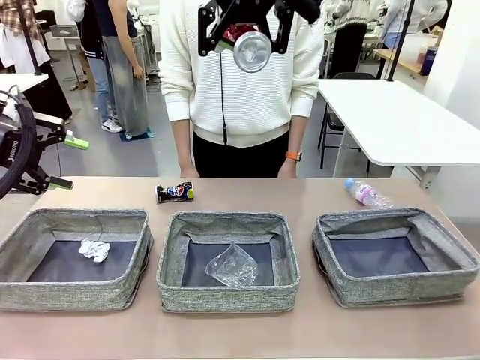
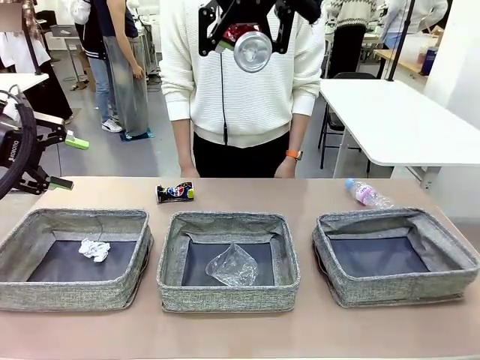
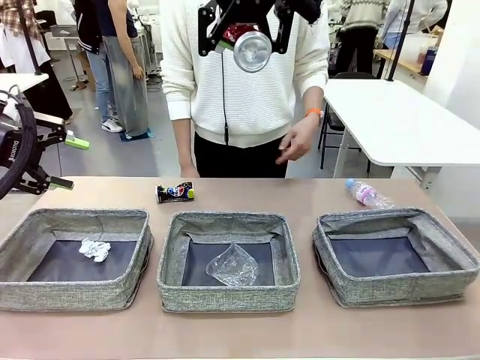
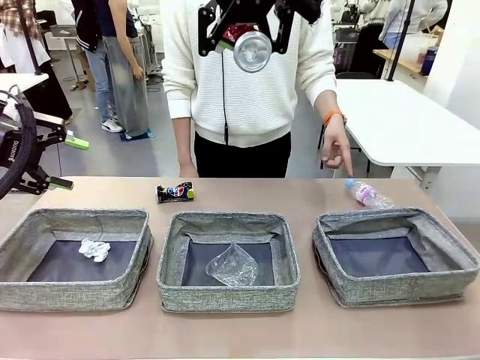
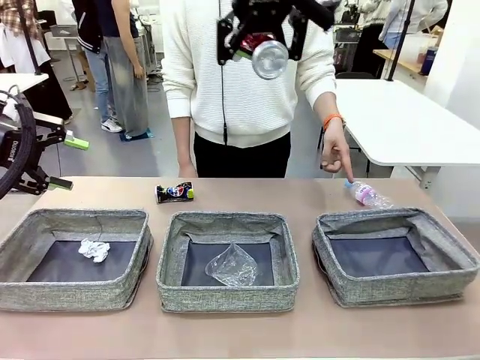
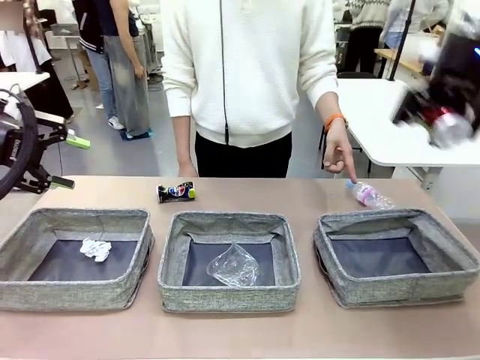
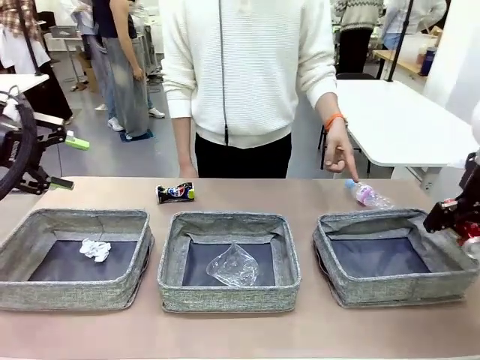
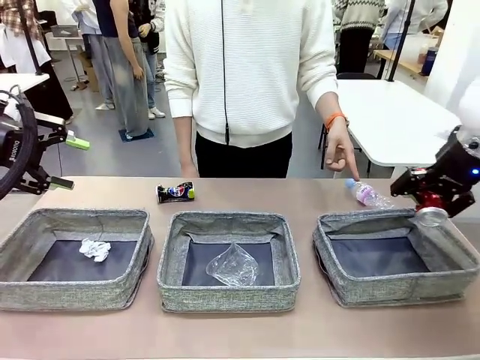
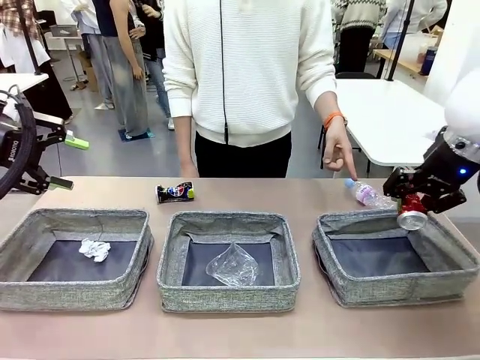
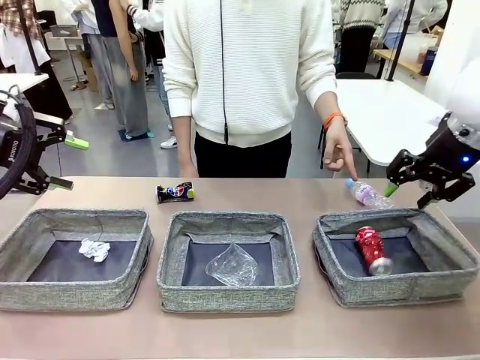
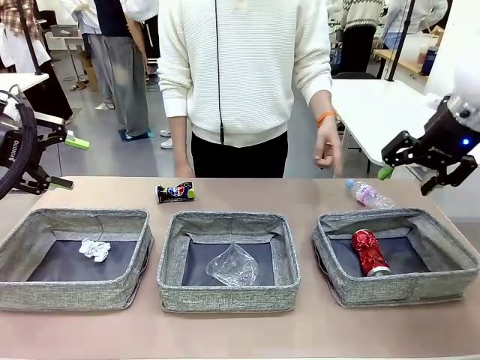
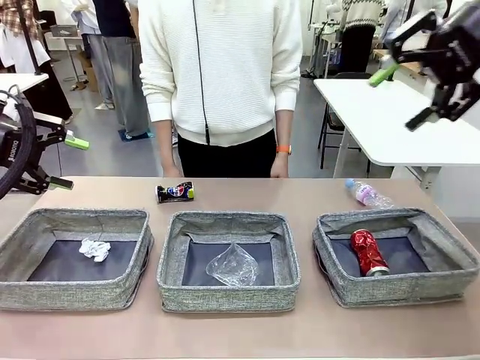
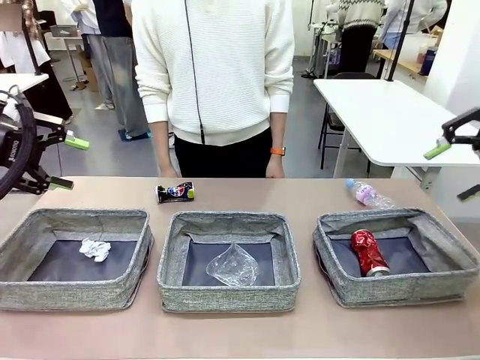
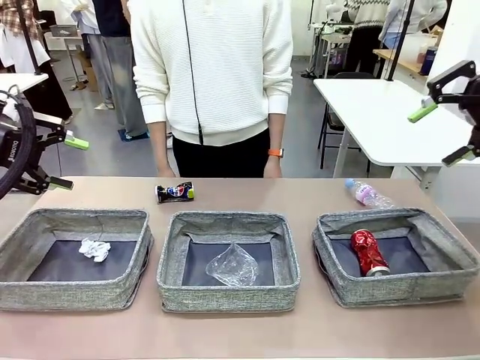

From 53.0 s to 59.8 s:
Task: Sort the waste into the appropriate baskets.
Robot: Place the picked waste into the Fabric basket indicated by the person.
Person: Instructs the robot to place the picked-up trash into the appropriate organizing basket.

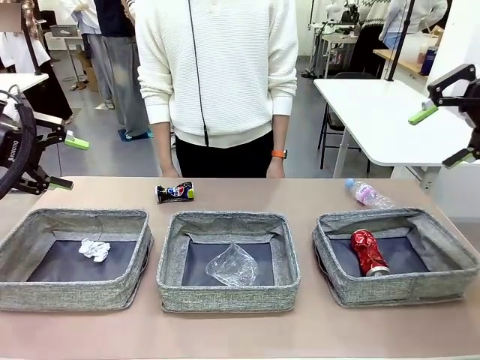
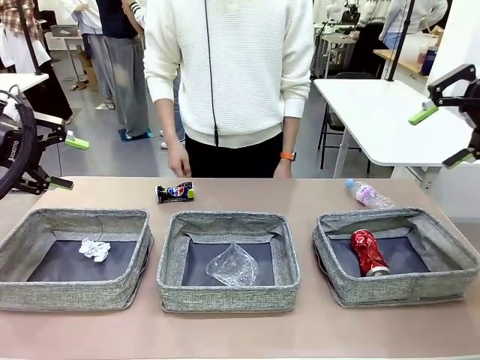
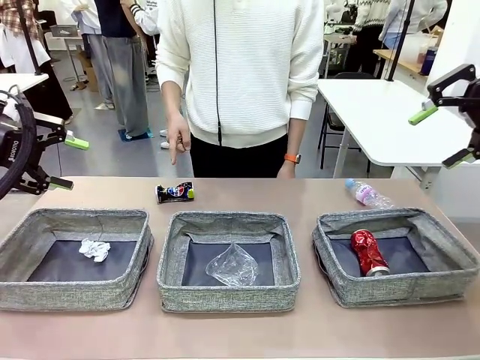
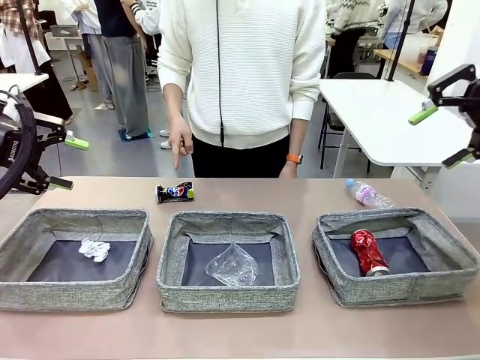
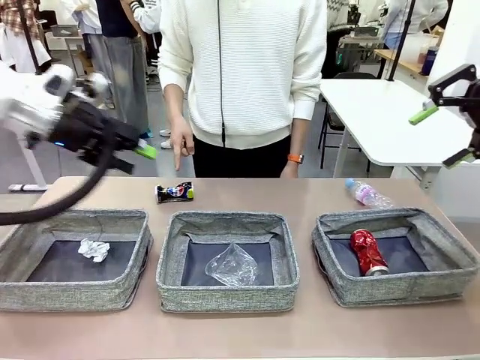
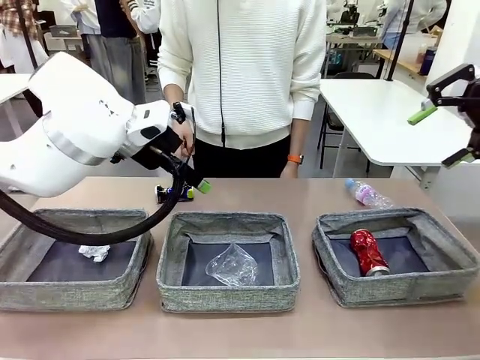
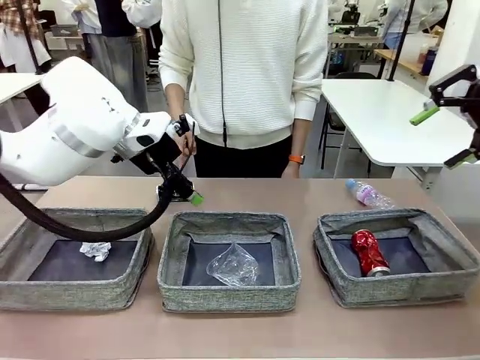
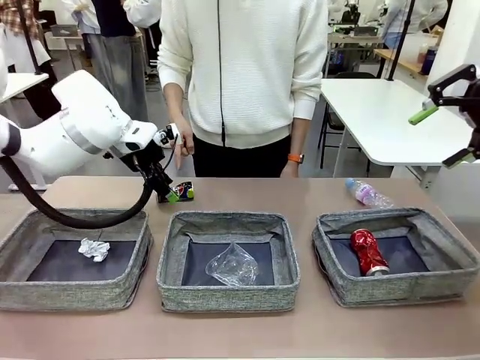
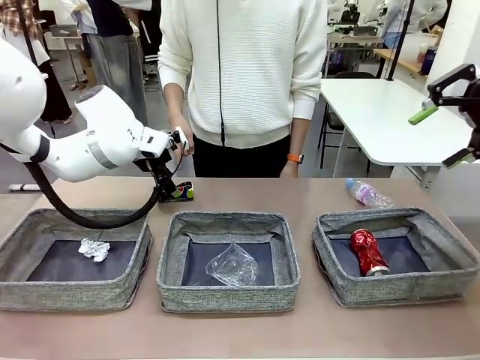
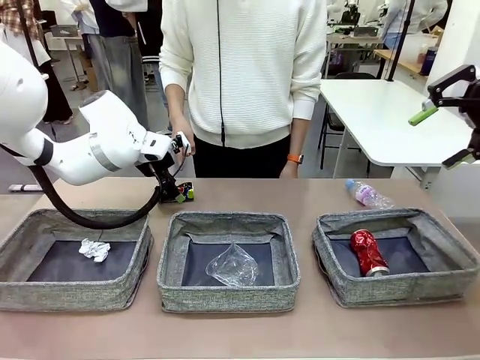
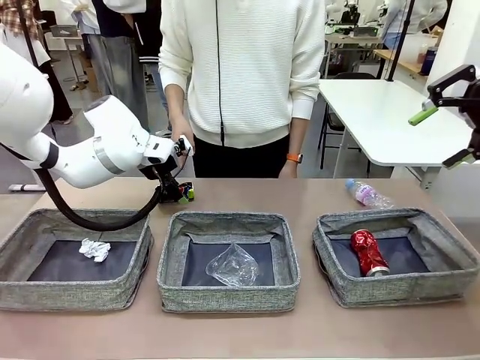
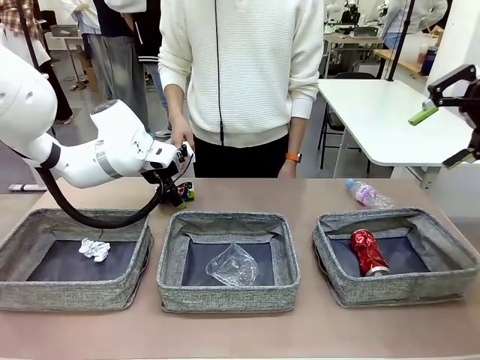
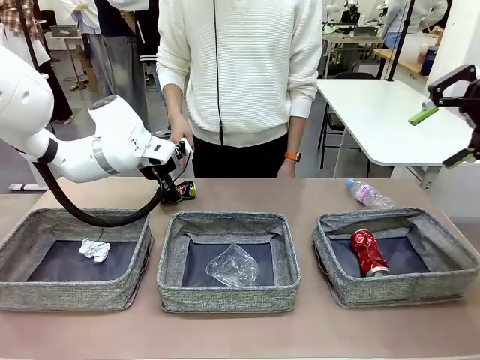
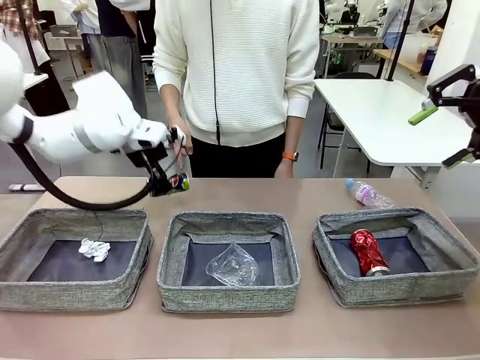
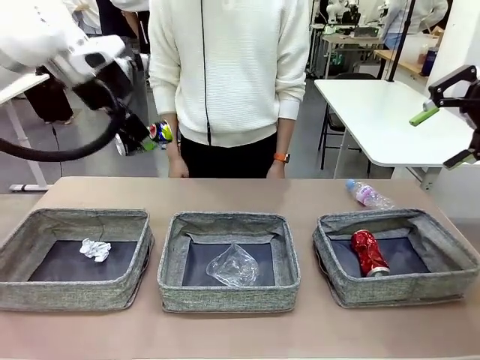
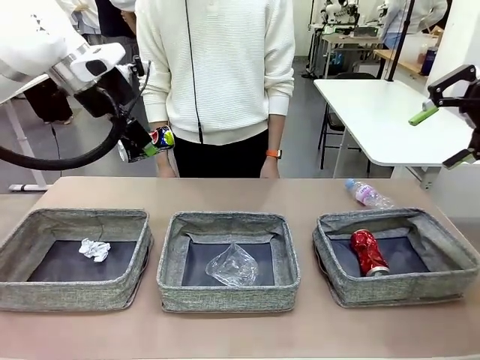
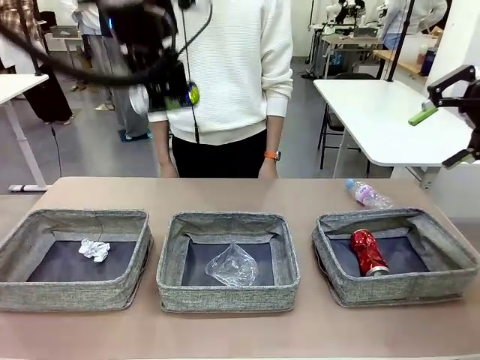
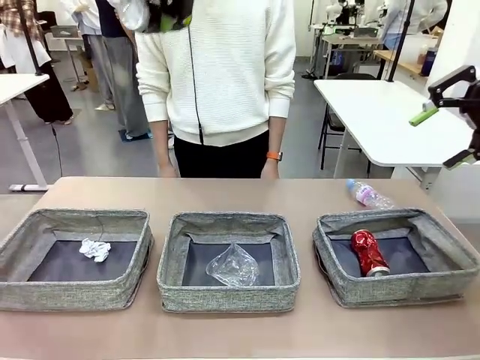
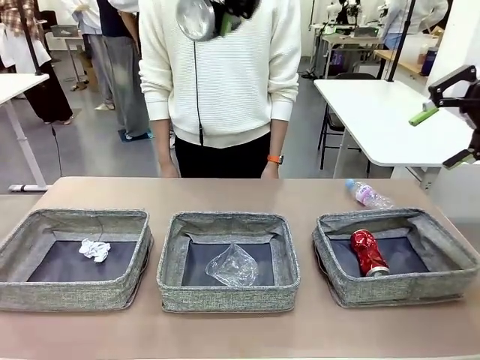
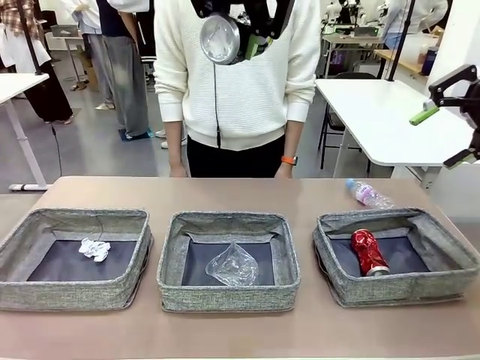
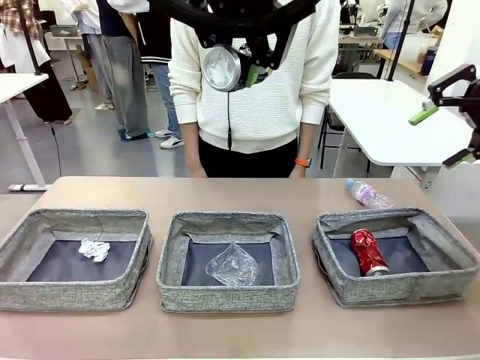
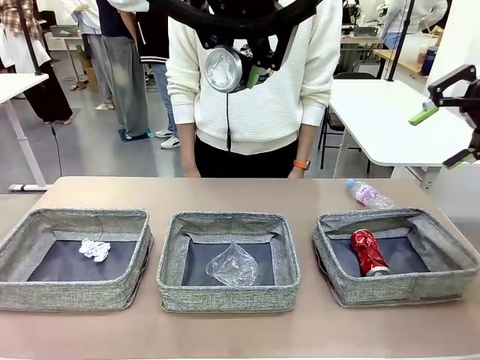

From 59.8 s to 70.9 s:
Robot: Pick up the waste item pointed out by the person.
Person: Points to one piece of trash on the table.

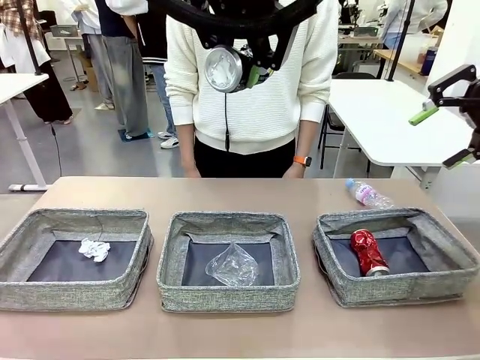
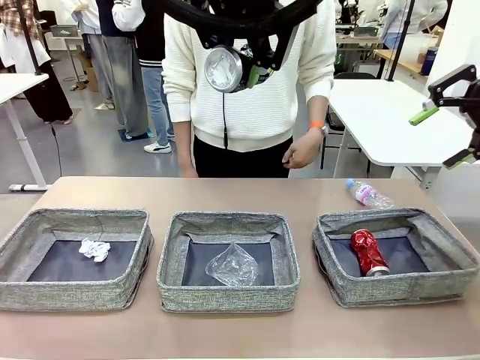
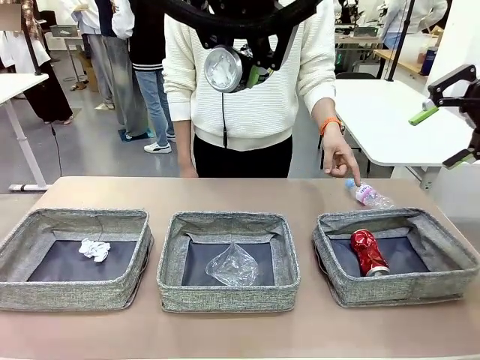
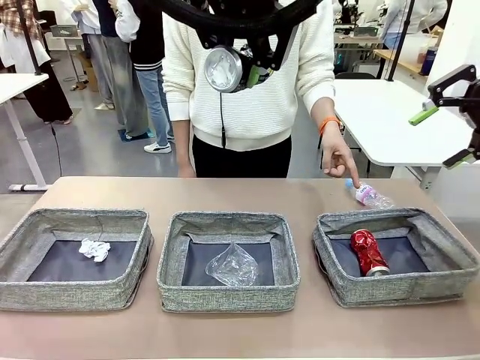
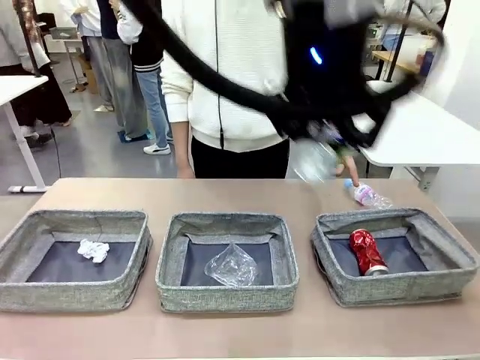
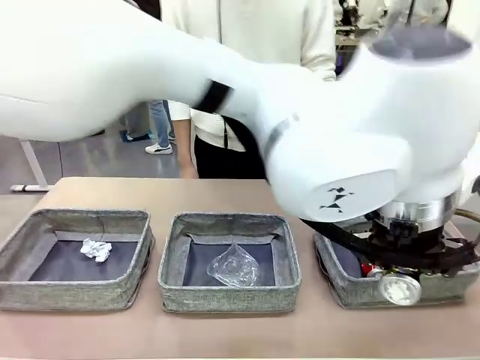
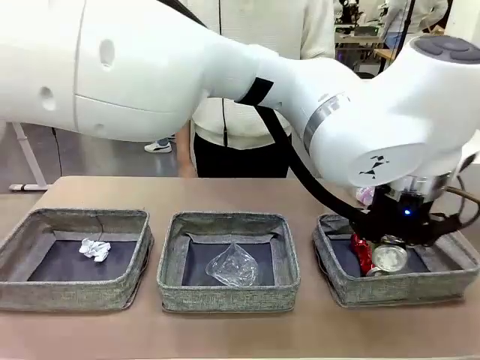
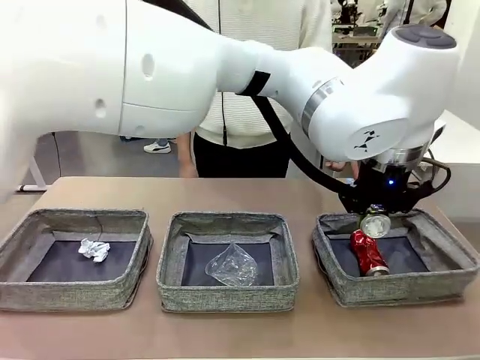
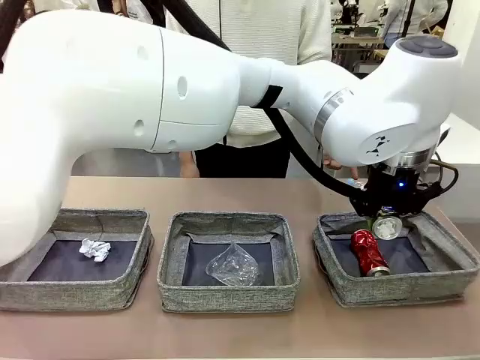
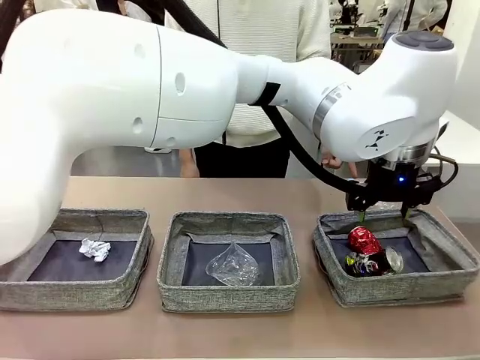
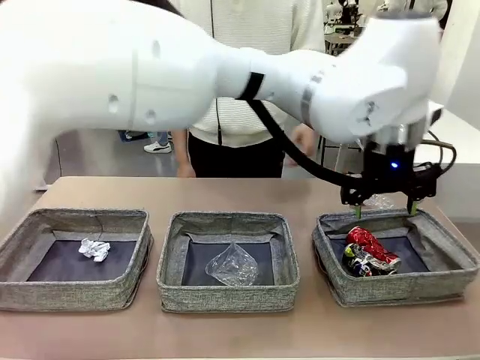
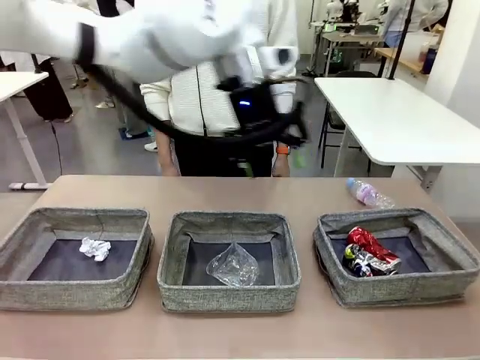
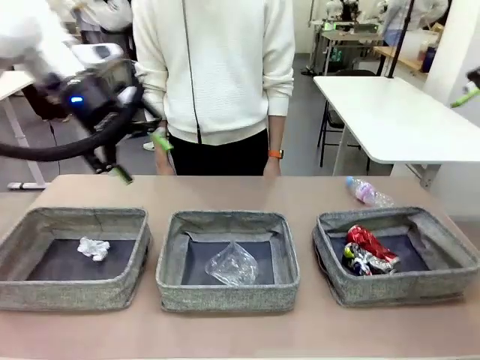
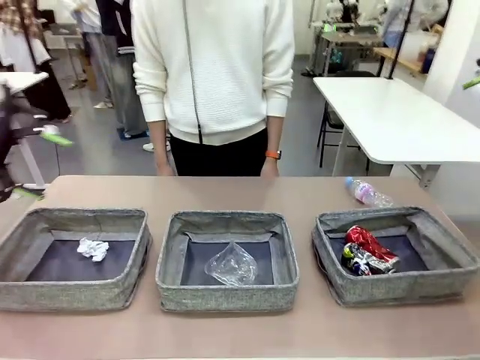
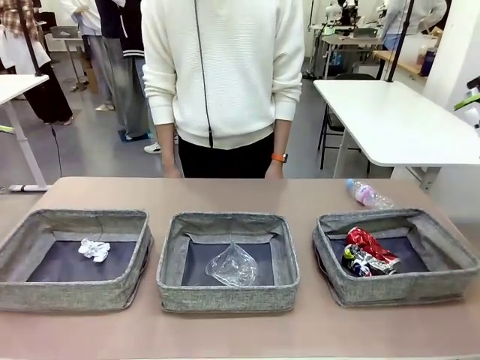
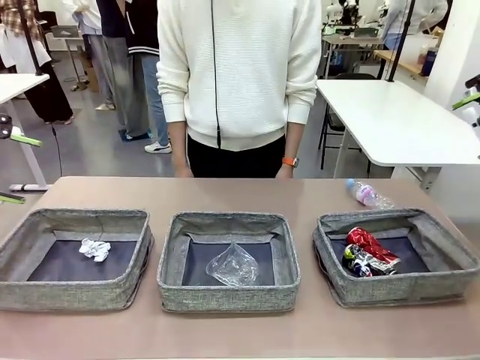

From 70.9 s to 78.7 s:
Robot: Place the picked waste into the Fabric basket indicated by the person.
Person: Instructs the robot to place the picked-up trash into the appropriate organizing basket.
